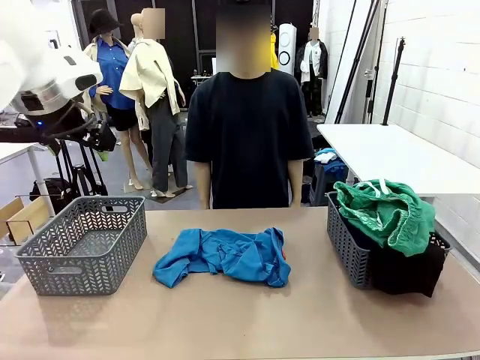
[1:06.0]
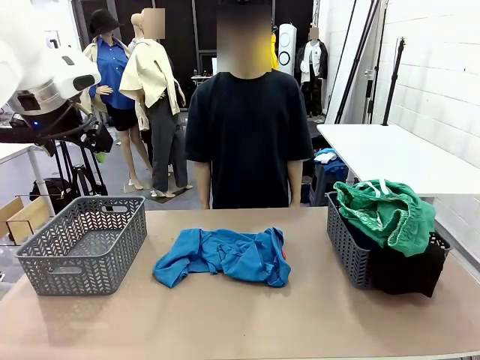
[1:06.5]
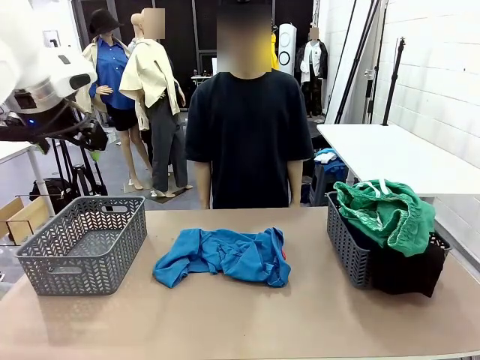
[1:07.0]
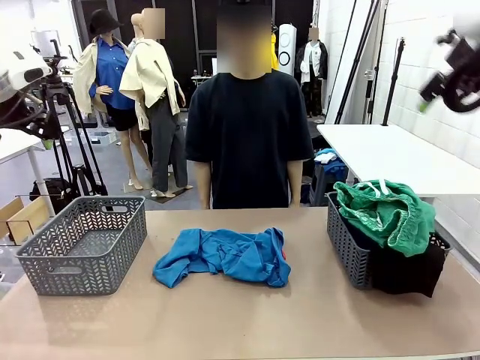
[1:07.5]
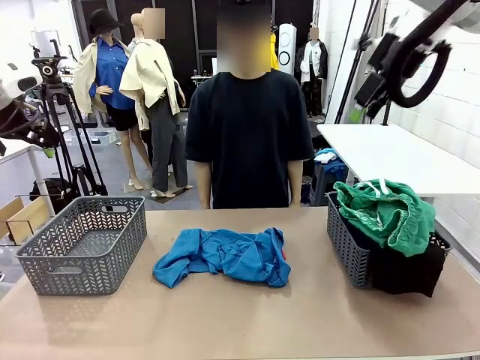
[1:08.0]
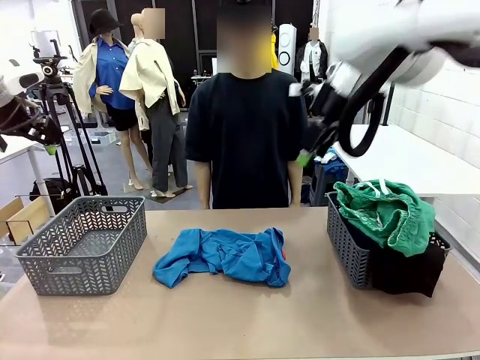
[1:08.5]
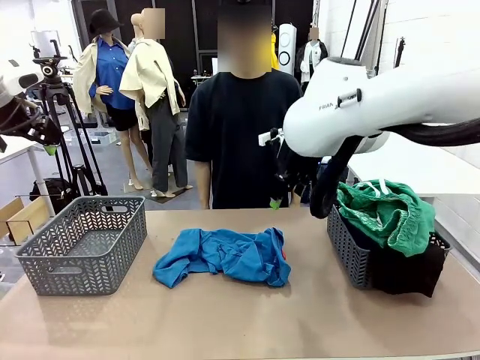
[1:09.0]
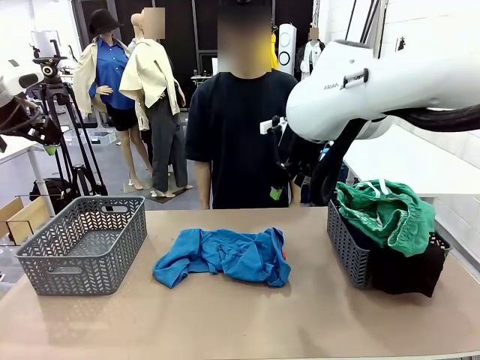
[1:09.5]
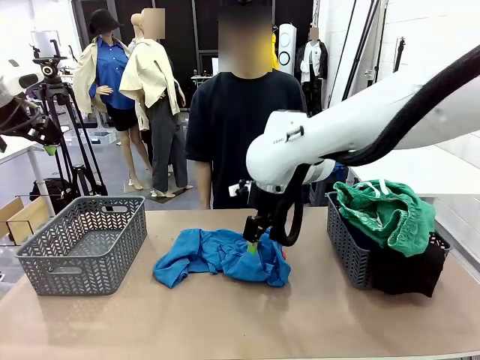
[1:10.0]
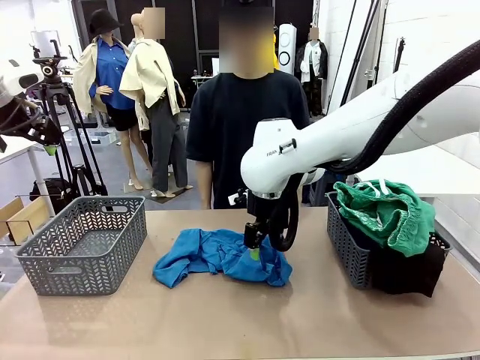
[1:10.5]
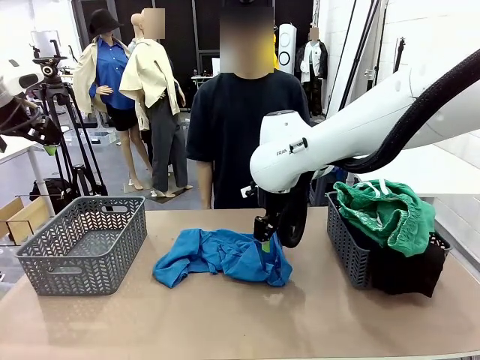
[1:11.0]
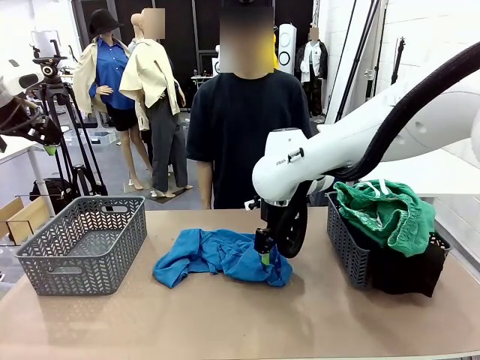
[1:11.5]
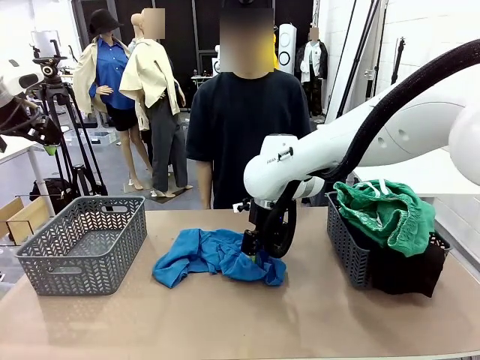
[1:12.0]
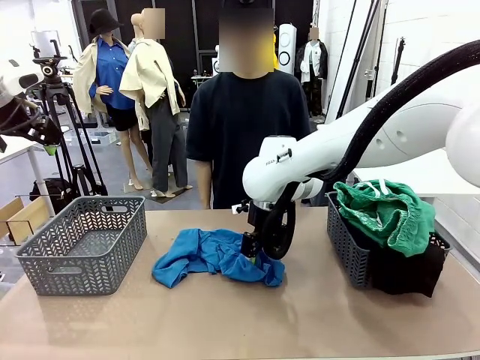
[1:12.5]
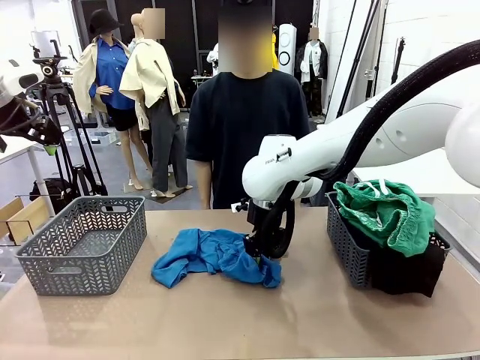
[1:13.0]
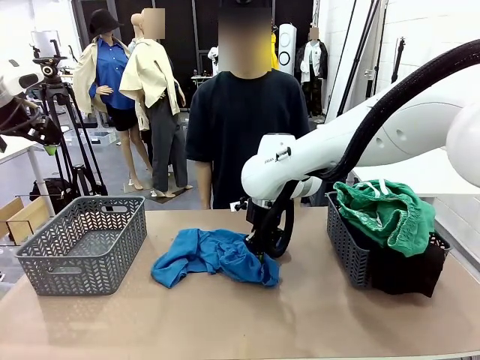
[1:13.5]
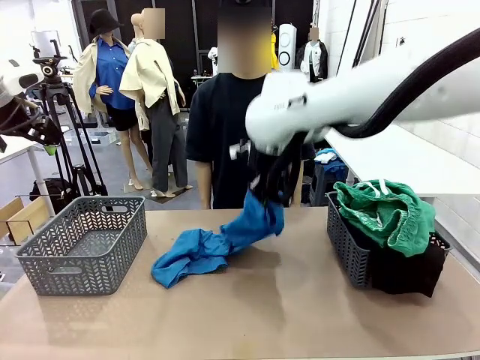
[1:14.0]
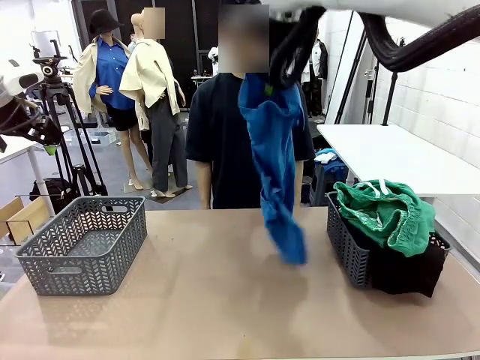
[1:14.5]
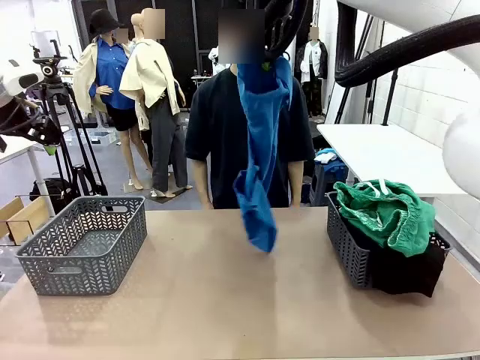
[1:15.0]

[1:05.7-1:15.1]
Task: Sort the tops and bottoms.
Robot: Lift clothes from the center of the table with your right hand.

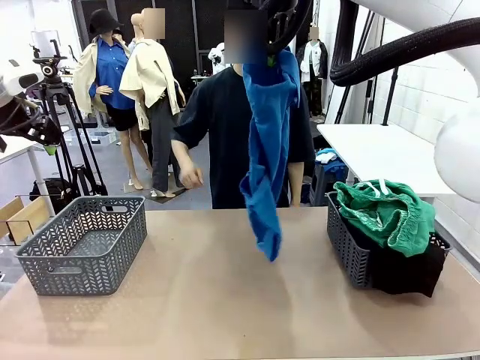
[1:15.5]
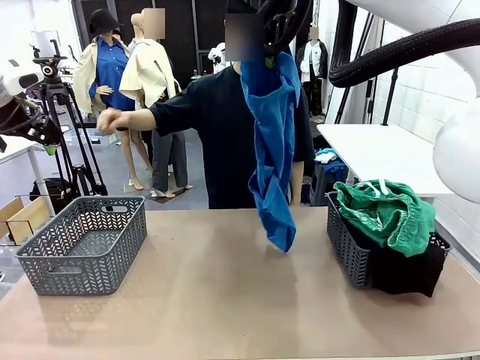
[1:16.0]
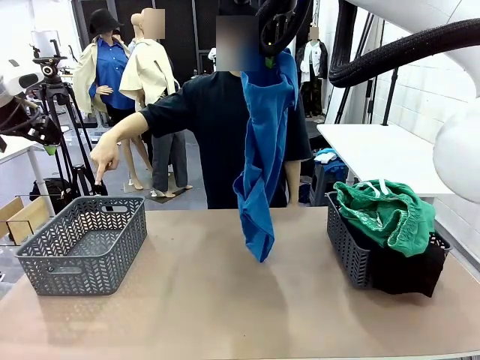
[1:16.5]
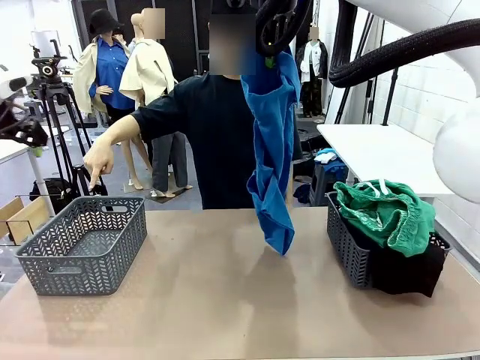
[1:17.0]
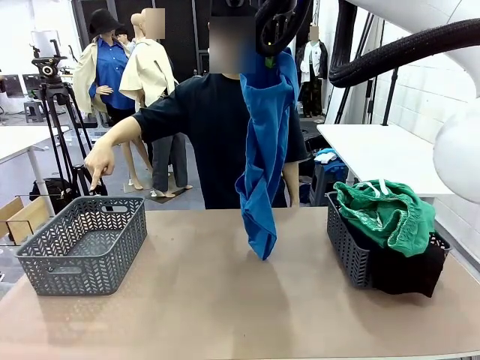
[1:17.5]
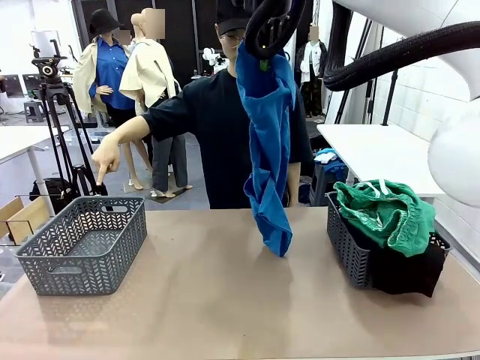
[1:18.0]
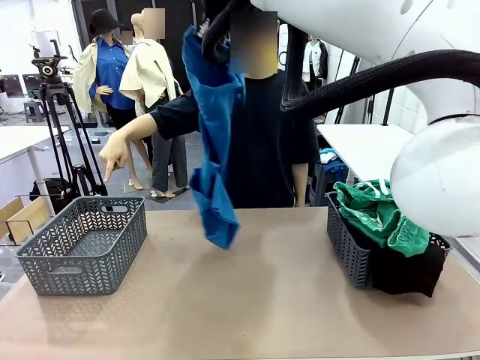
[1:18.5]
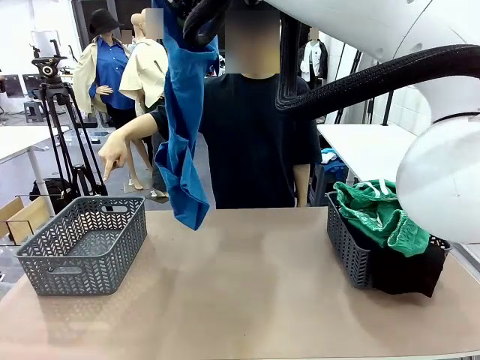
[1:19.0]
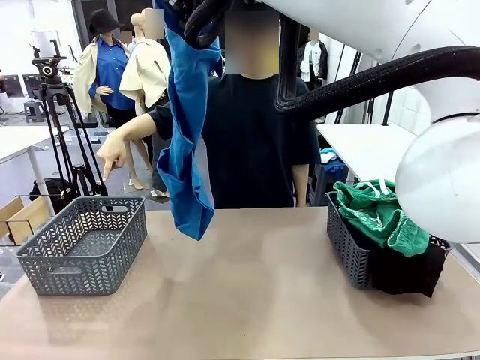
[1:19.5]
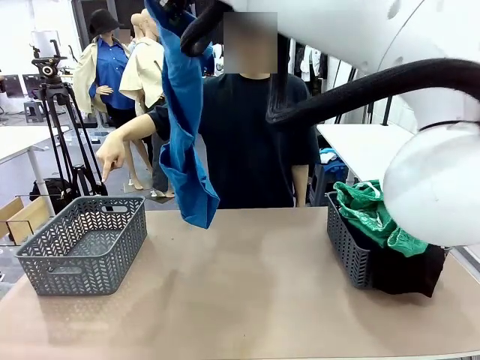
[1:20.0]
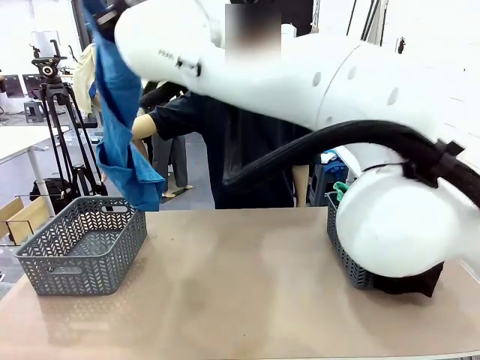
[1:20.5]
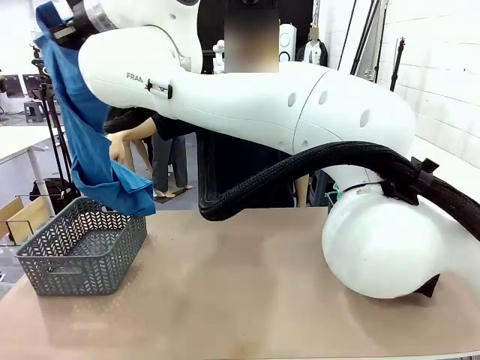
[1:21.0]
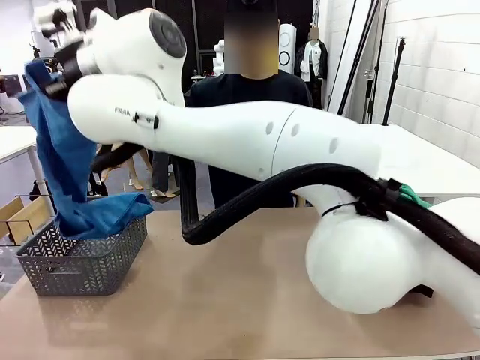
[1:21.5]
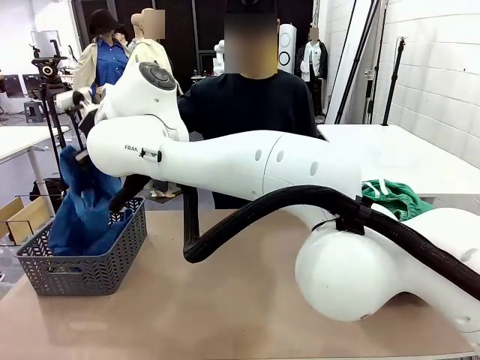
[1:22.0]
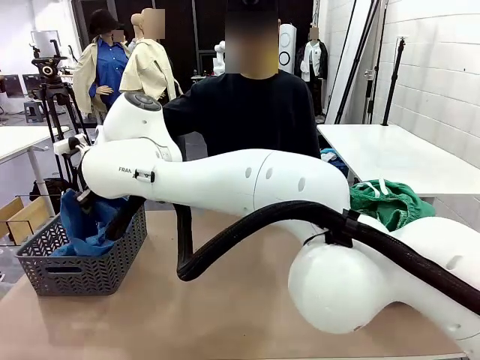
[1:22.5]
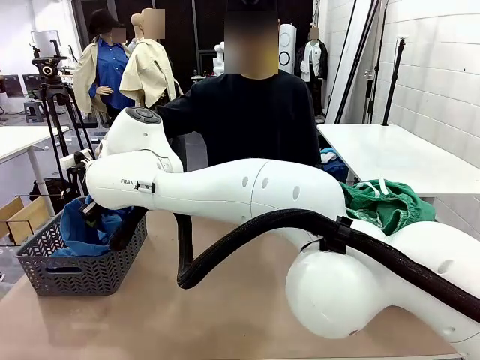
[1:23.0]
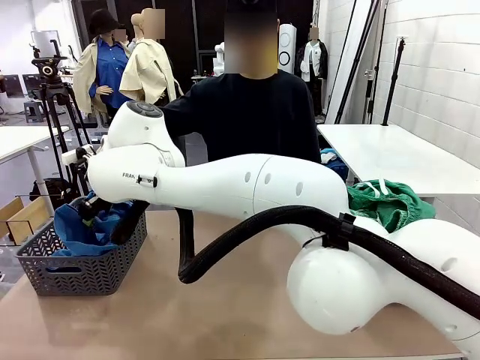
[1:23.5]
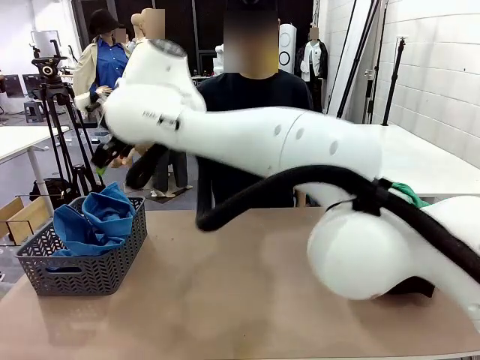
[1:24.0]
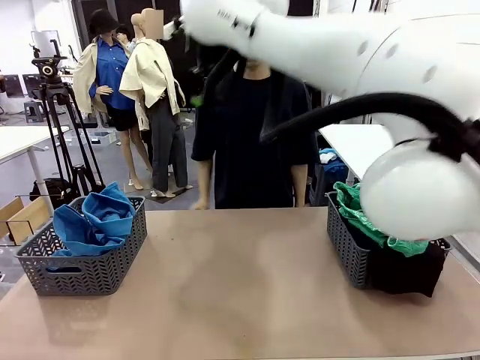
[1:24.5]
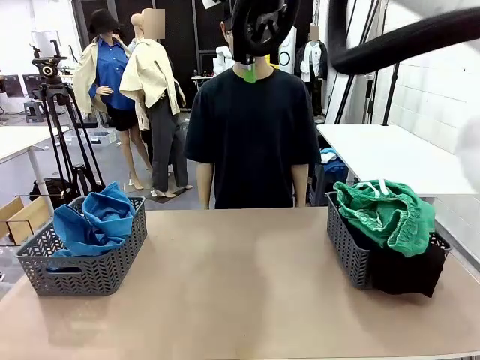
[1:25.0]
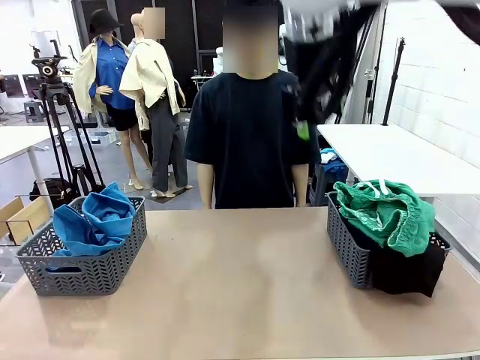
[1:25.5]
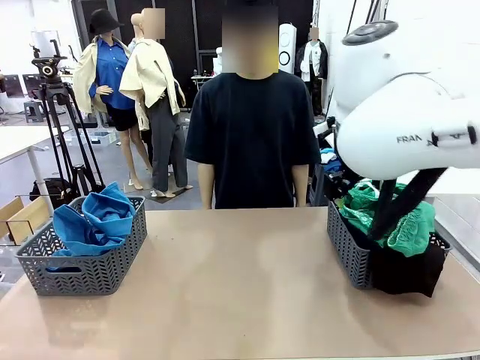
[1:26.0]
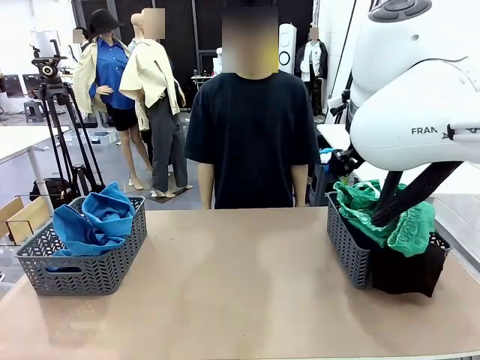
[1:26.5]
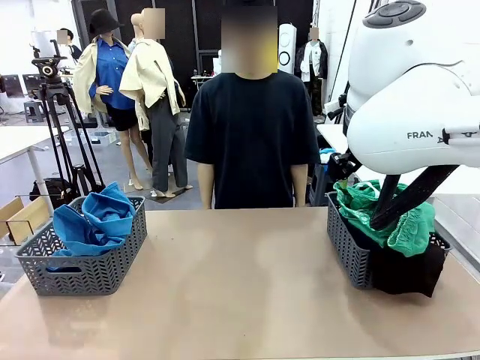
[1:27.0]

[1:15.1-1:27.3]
Robot: Sort the clothes according to human instructions.

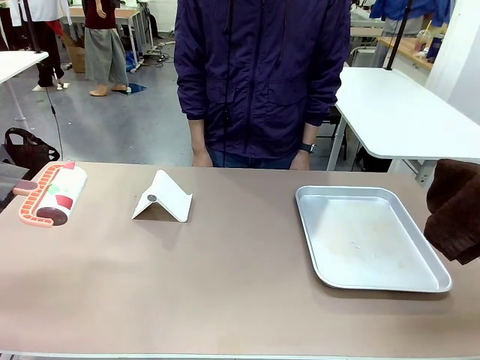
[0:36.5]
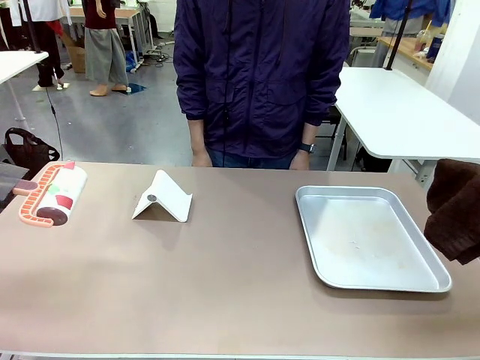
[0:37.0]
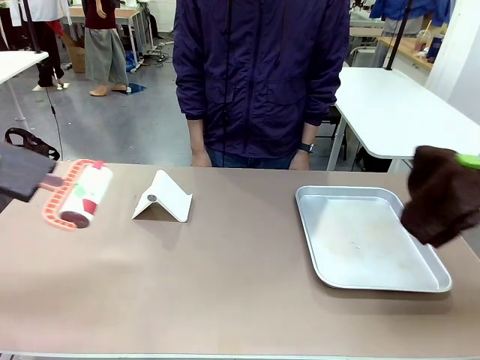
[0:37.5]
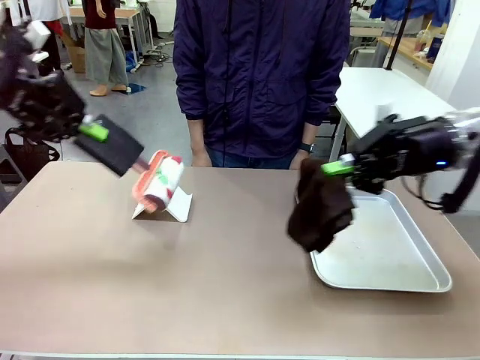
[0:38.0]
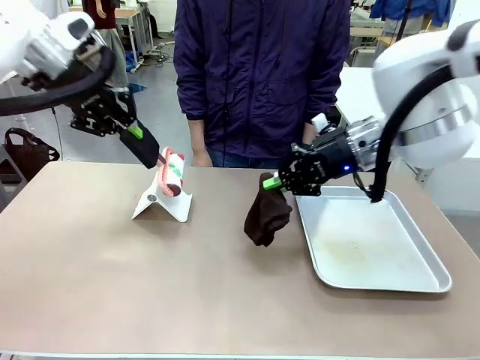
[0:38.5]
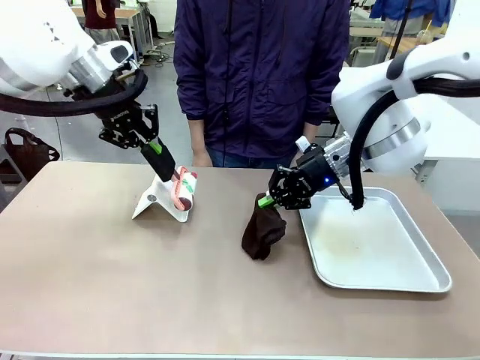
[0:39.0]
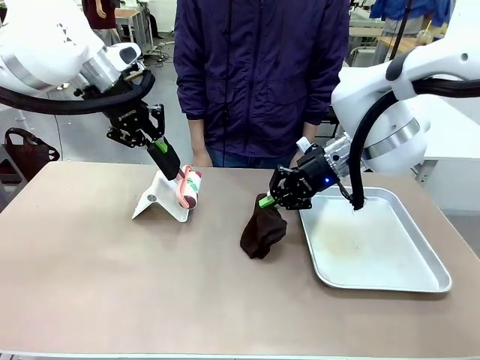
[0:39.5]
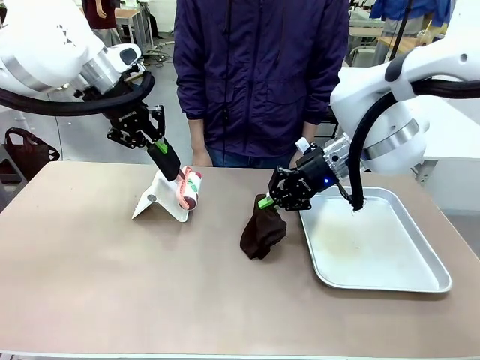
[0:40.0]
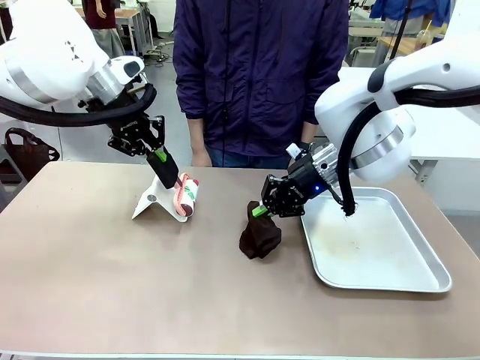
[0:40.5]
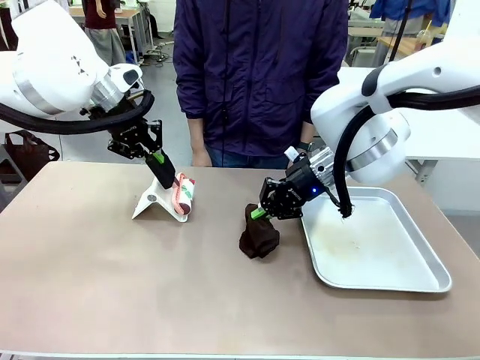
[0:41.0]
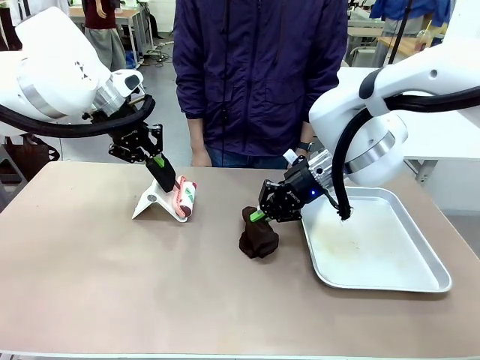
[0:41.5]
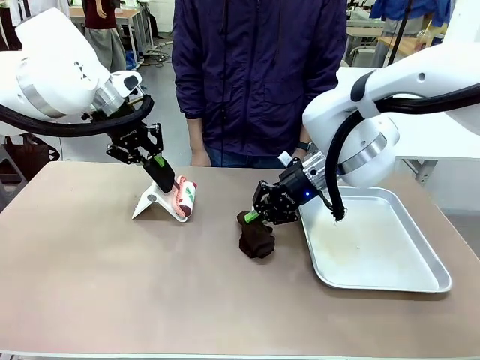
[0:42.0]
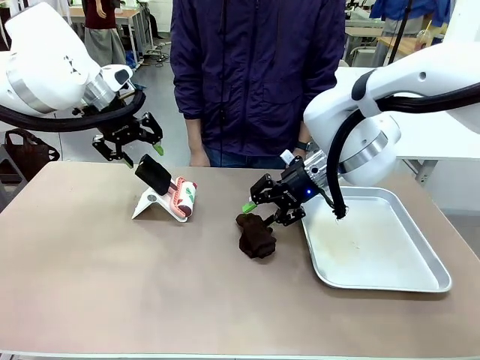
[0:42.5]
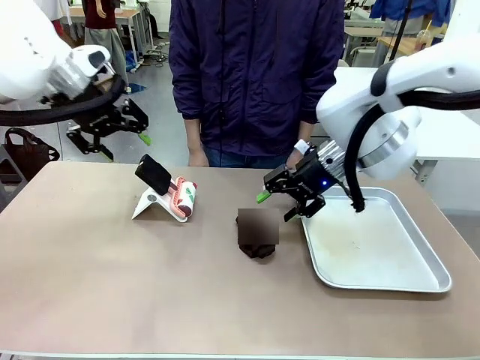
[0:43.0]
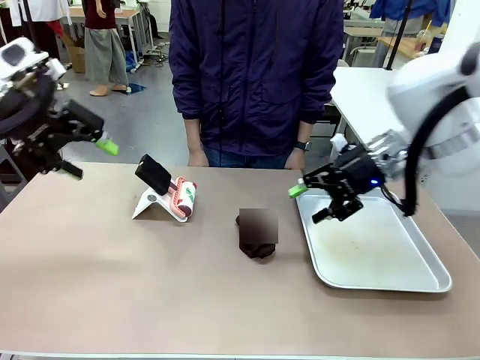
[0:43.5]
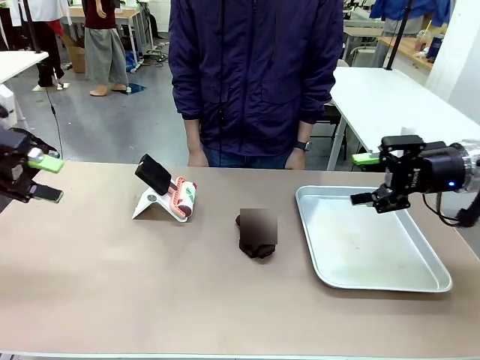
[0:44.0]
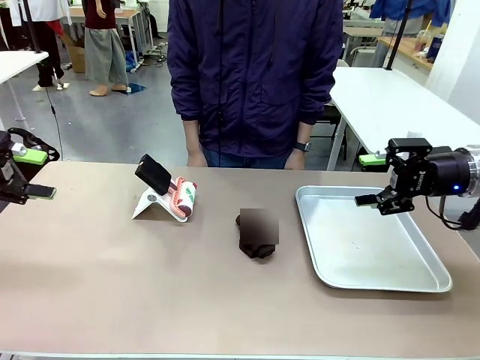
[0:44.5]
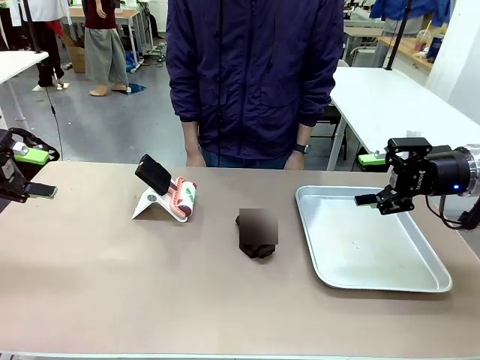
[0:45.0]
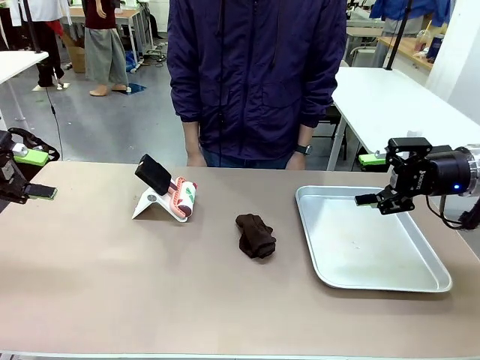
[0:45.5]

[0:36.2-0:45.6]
Task: Clean the surface of the table.
Robot: Return the Lint Roller and towel to their original positions.
